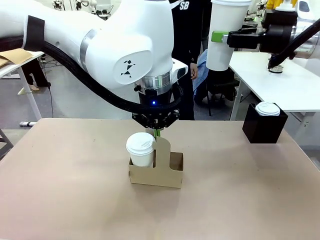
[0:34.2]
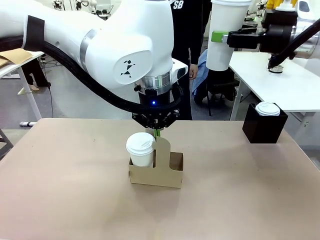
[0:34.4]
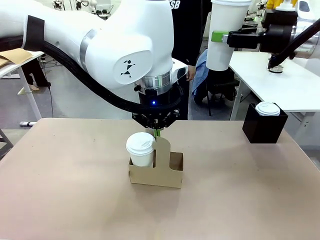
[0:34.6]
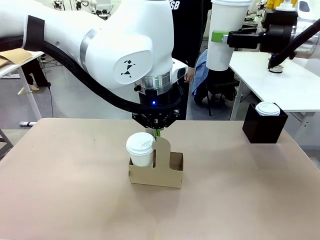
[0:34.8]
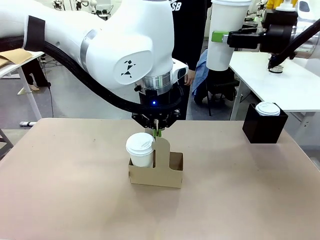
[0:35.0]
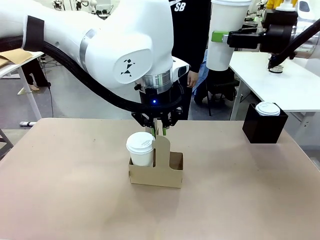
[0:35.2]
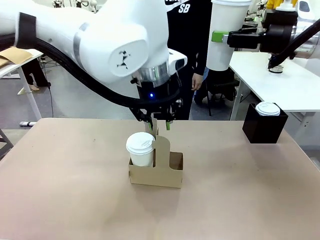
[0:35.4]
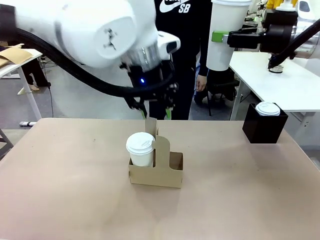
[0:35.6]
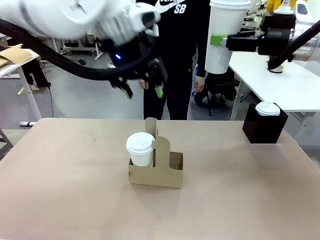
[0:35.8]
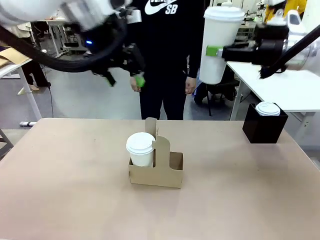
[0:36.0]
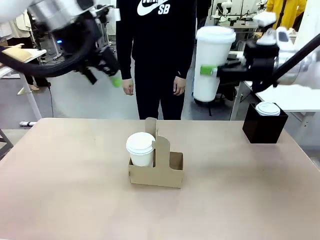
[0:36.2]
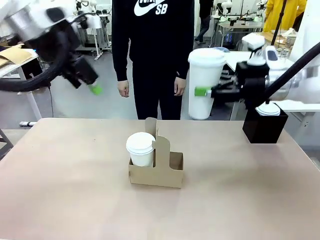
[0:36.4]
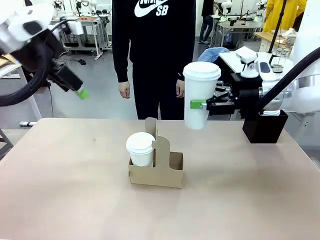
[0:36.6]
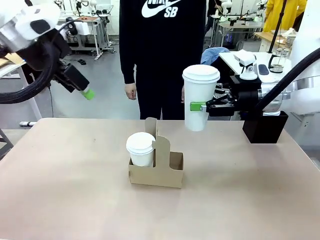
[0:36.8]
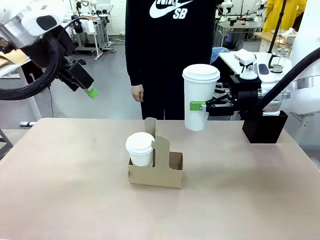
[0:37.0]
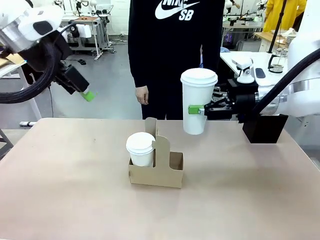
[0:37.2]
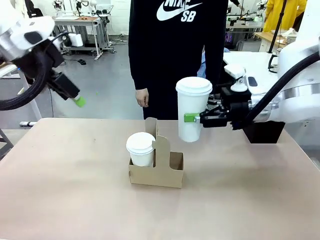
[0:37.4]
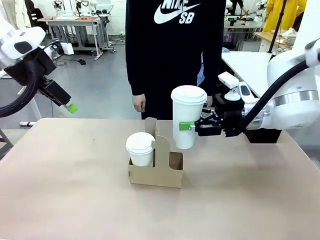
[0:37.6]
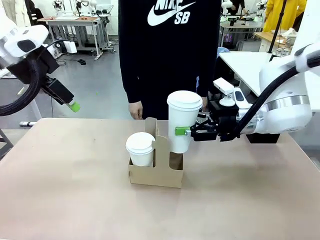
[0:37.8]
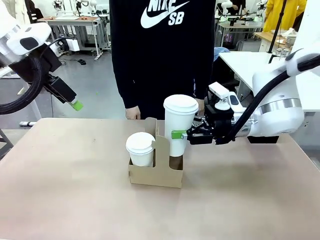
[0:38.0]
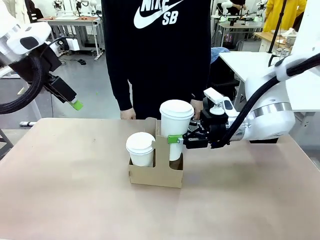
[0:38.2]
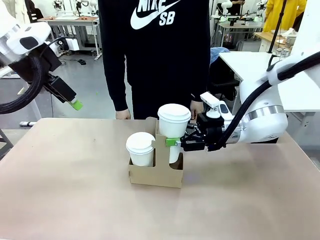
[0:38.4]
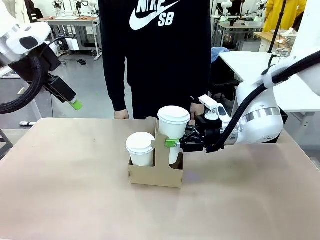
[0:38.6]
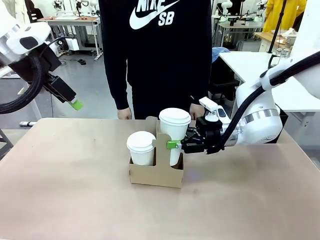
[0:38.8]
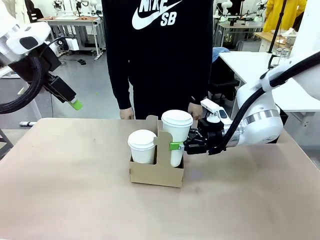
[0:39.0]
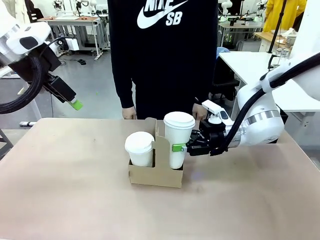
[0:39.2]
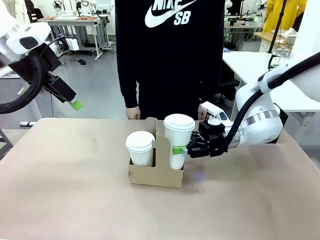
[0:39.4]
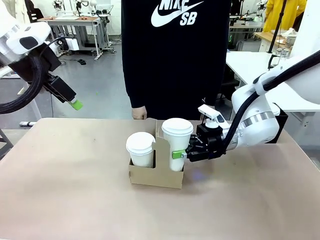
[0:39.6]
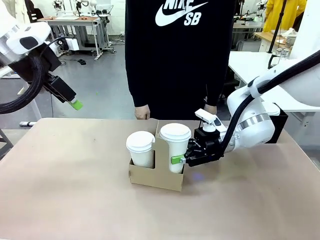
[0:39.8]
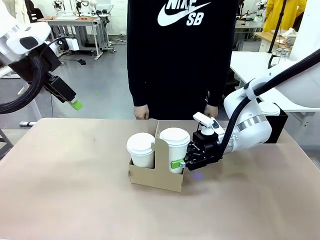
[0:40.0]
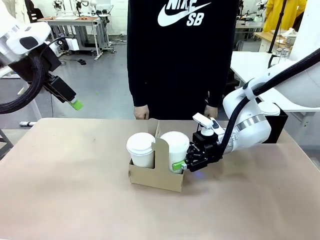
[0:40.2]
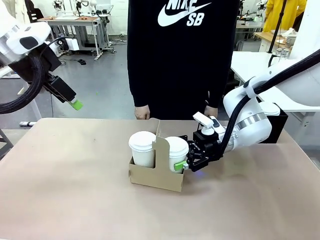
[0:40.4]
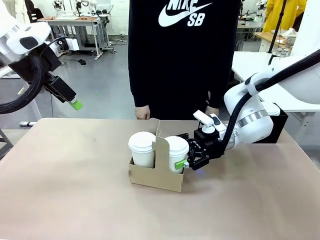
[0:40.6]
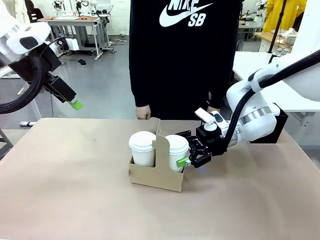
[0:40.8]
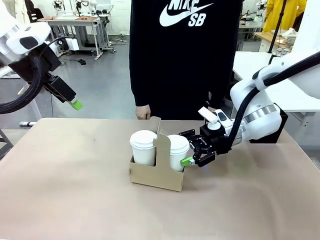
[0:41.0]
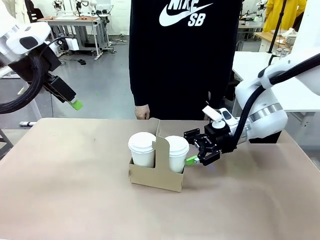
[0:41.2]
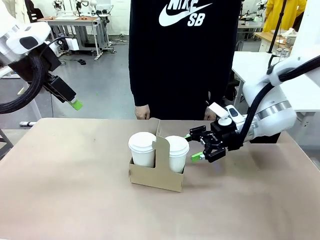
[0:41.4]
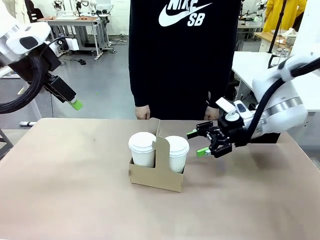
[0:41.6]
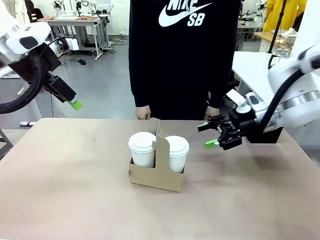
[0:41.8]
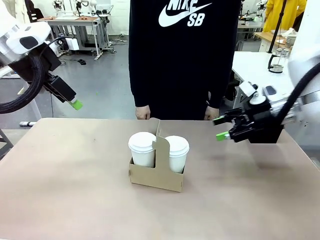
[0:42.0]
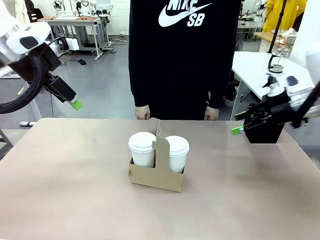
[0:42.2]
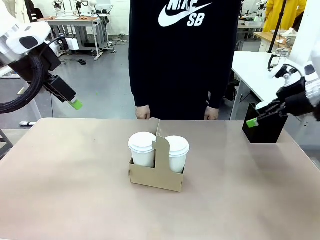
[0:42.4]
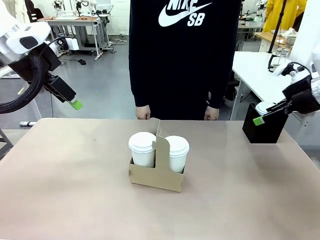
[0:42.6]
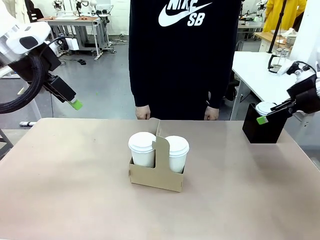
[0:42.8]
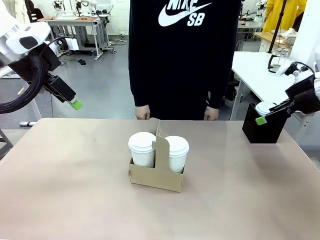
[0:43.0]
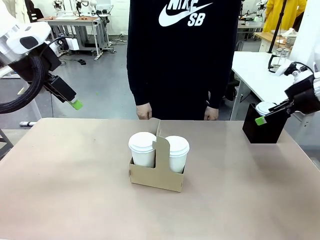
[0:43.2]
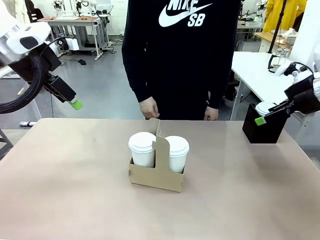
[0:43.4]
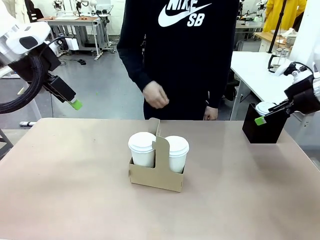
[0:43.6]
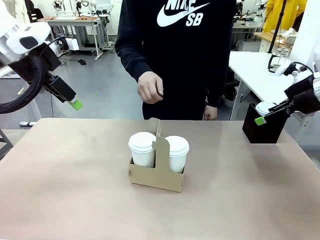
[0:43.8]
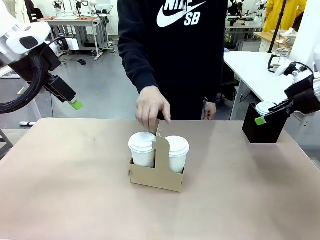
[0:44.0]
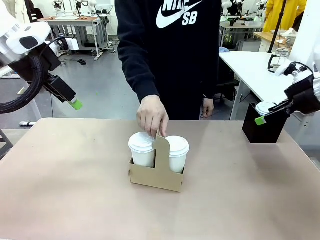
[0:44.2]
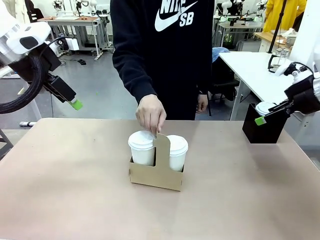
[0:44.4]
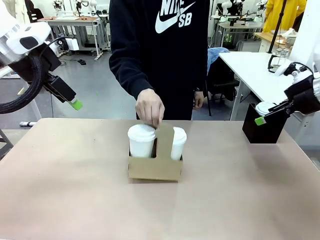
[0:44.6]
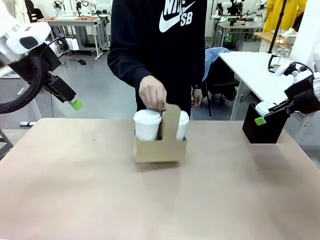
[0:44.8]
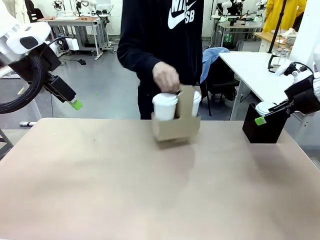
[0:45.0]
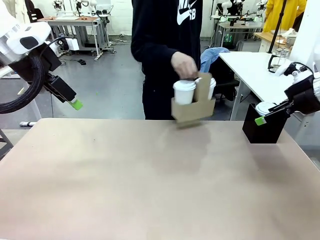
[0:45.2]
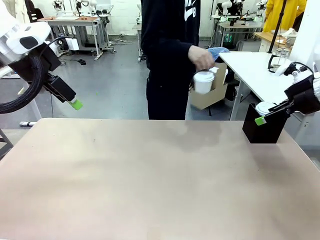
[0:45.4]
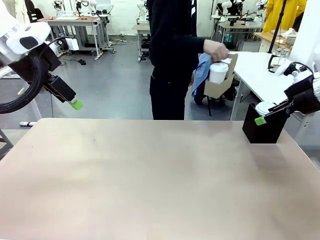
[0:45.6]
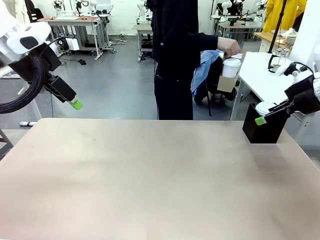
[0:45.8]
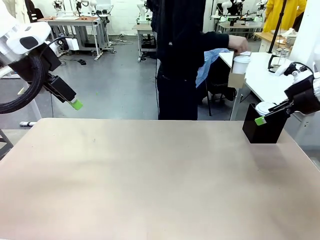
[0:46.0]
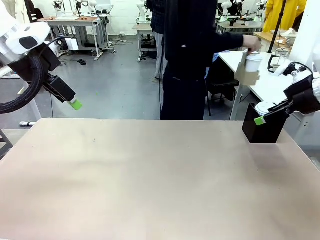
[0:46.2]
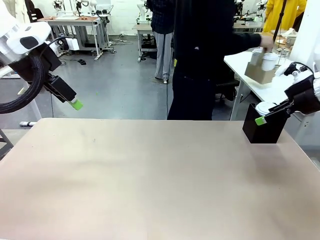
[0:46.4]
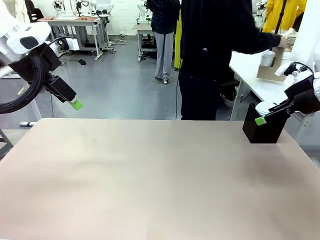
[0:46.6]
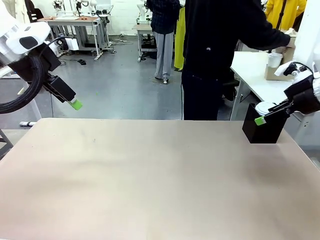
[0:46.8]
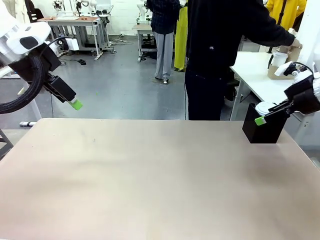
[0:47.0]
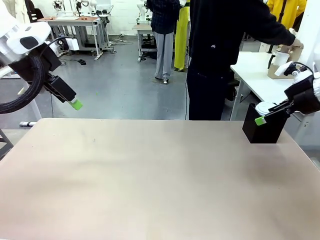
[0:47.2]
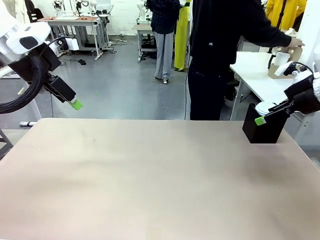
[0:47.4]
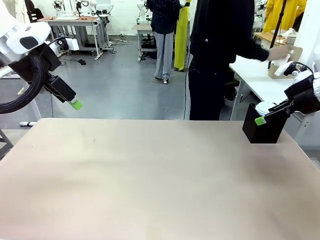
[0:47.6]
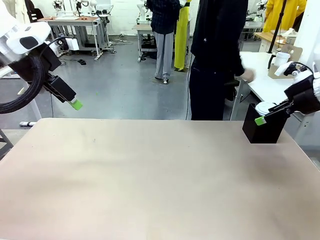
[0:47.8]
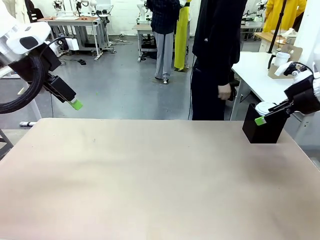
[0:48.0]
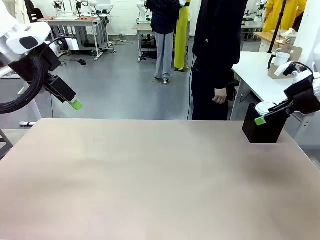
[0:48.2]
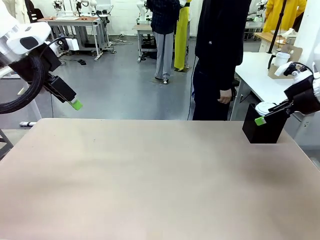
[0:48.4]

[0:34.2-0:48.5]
Task: Pour a drink into a cup and package it in a carrier.
Robot: Insert the held 600 ml Paper Cup into the Cup Carrier.
Person: Place the Cup Carrier to the middle of Human table.

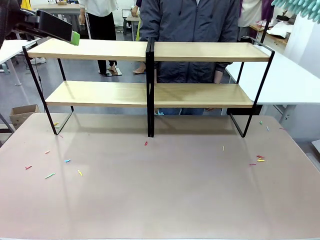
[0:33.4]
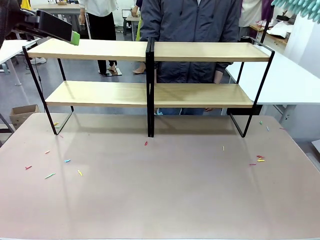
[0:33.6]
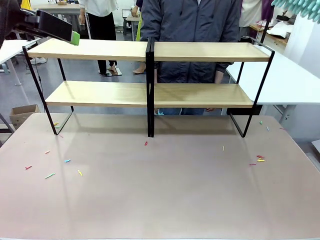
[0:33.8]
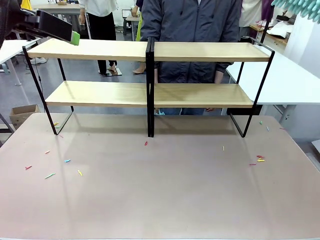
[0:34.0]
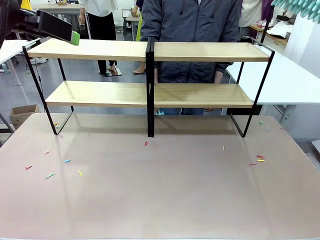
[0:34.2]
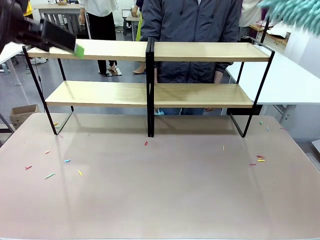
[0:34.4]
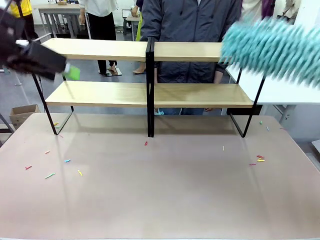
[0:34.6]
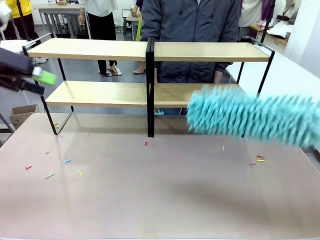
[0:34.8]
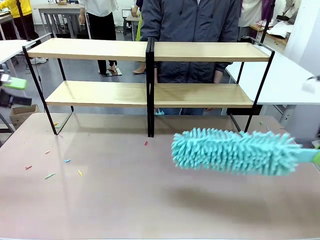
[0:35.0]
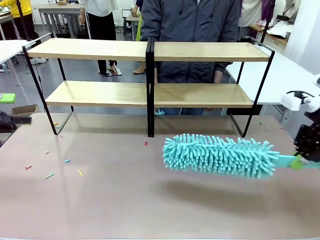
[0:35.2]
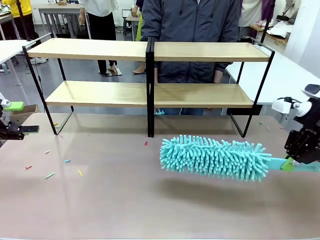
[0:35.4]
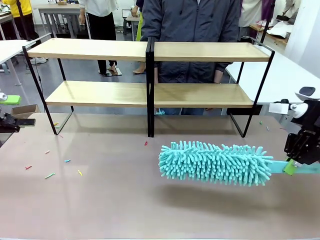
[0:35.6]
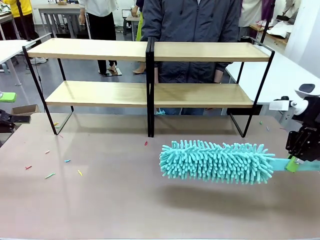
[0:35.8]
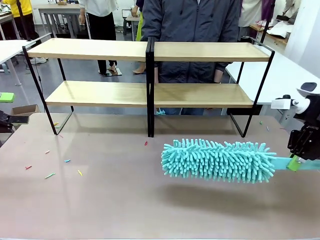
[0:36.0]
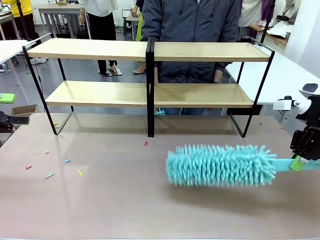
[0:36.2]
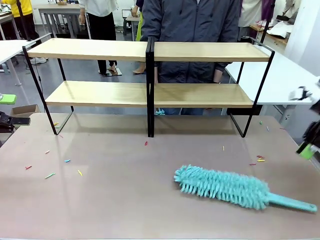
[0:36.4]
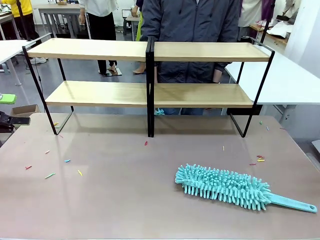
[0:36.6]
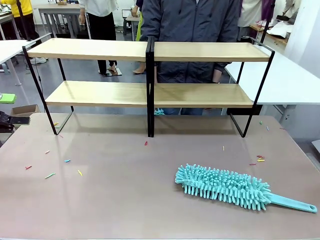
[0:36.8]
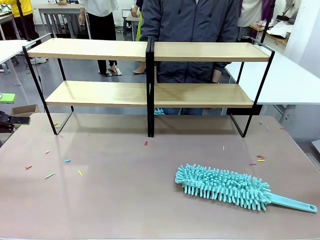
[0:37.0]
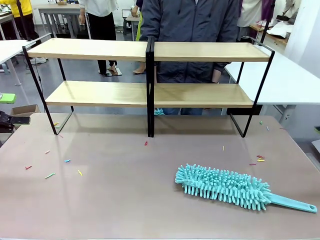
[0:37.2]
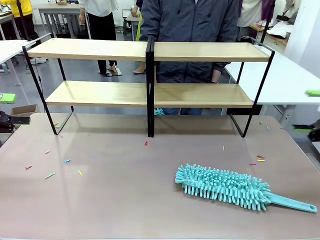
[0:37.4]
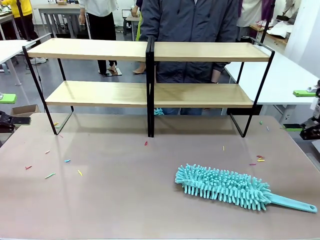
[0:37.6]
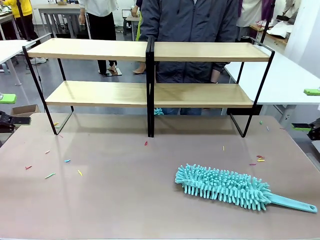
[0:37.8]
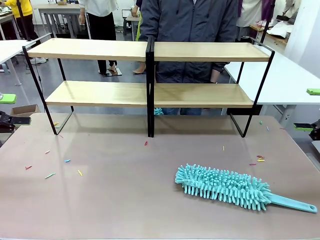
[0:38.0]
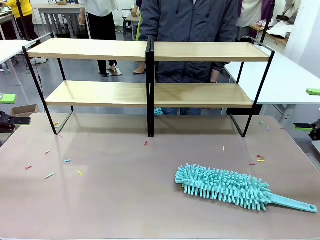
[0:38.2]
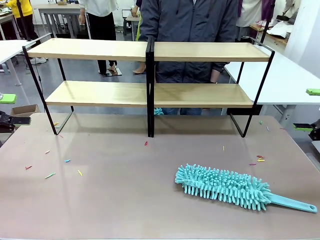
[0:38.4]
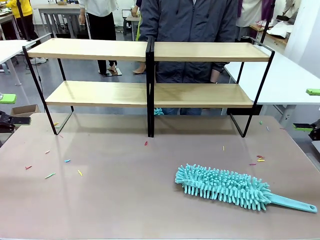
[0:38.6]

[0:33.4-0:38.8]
Task: Clean the shelves.
Robot: Place the Duster on the table.
